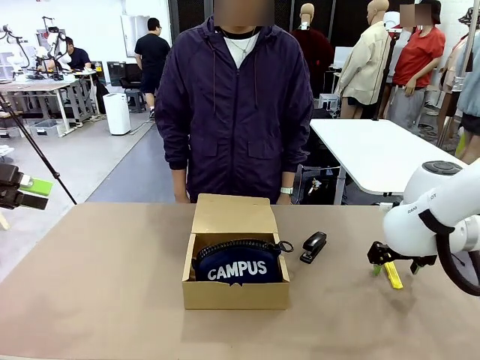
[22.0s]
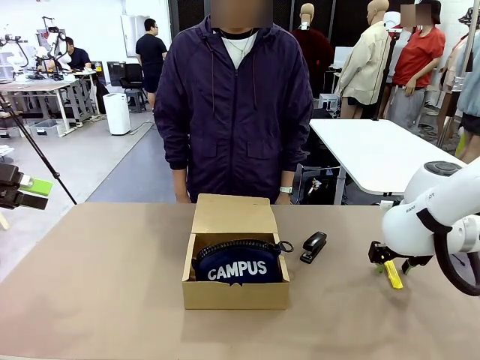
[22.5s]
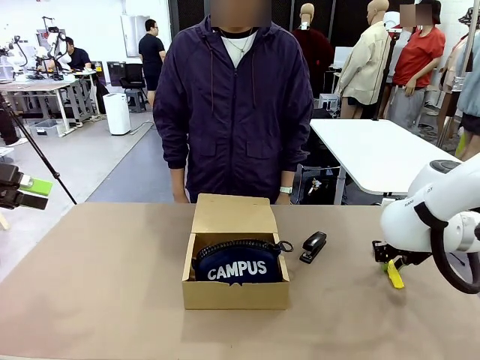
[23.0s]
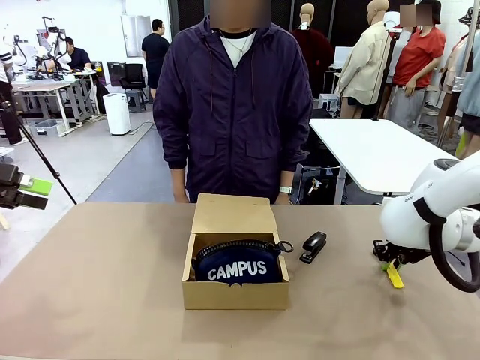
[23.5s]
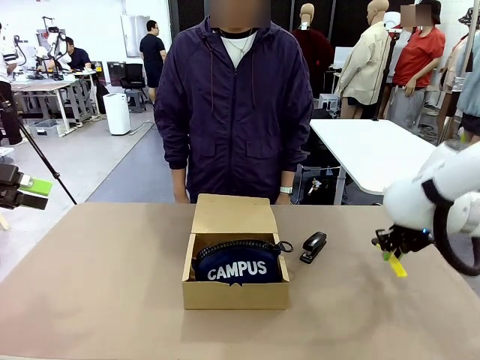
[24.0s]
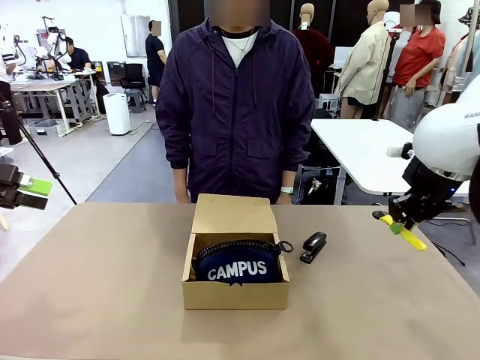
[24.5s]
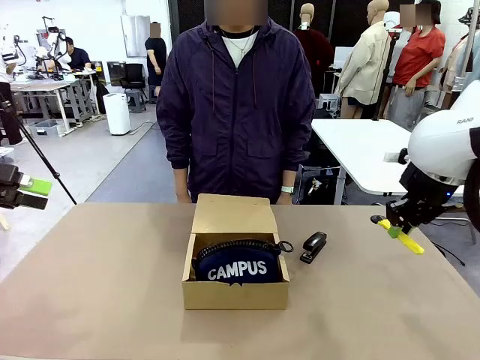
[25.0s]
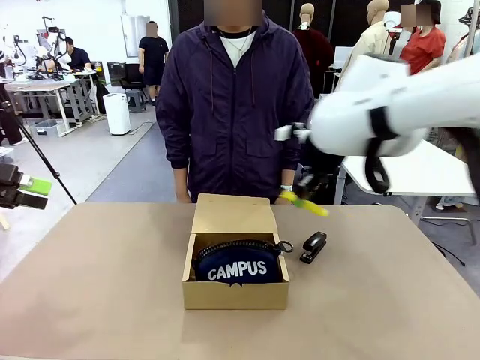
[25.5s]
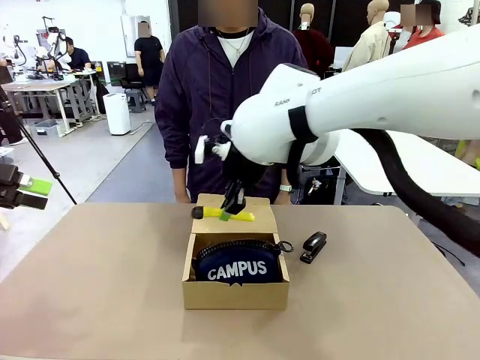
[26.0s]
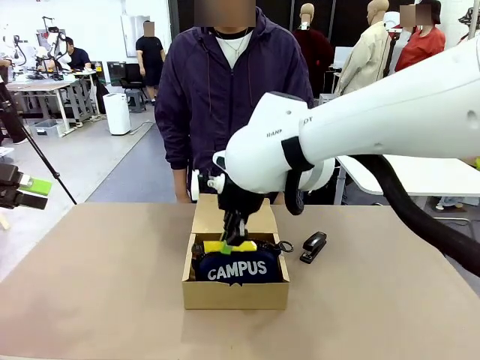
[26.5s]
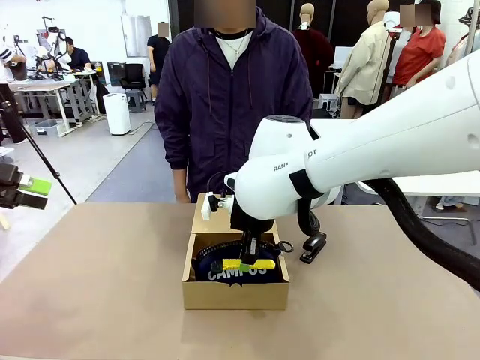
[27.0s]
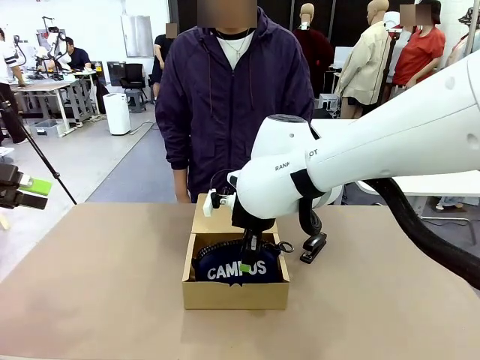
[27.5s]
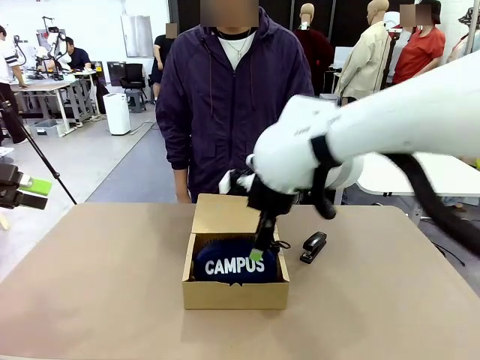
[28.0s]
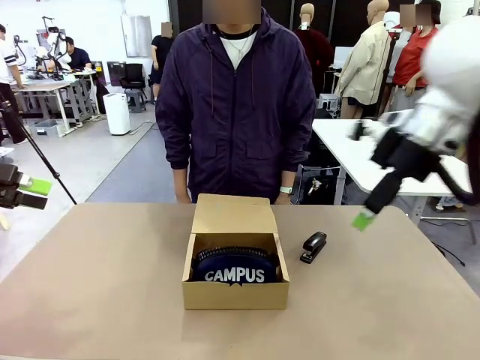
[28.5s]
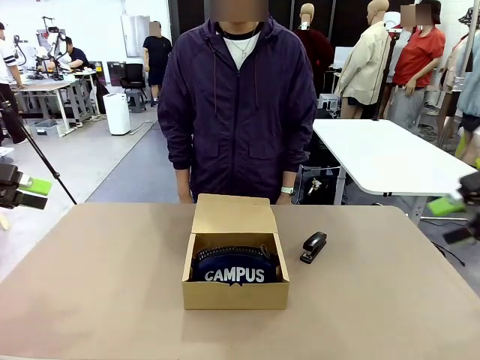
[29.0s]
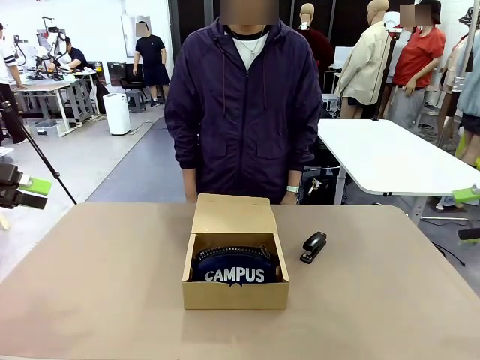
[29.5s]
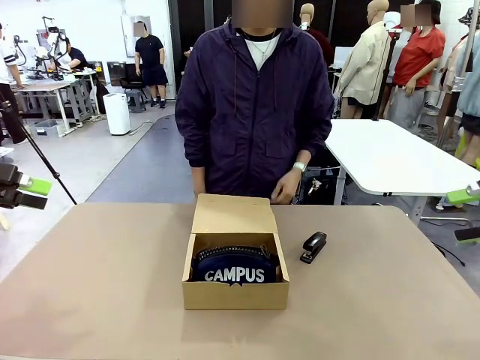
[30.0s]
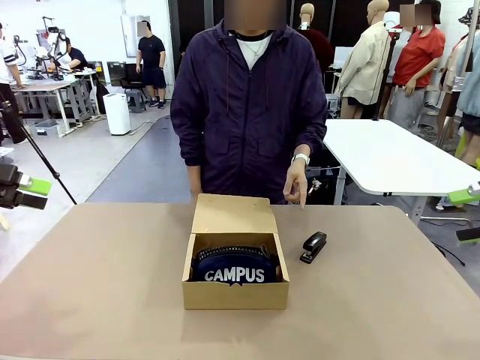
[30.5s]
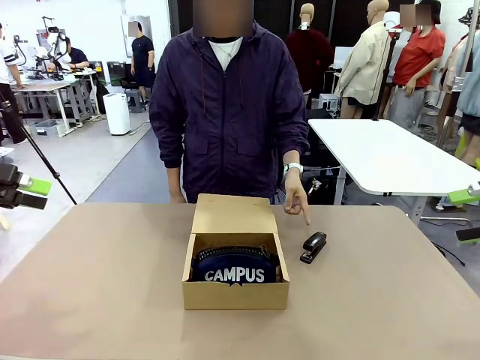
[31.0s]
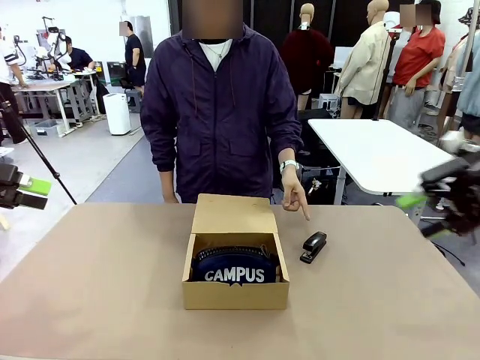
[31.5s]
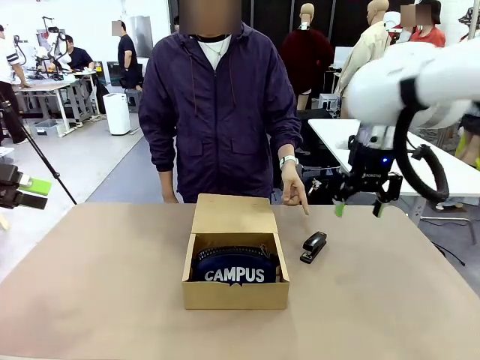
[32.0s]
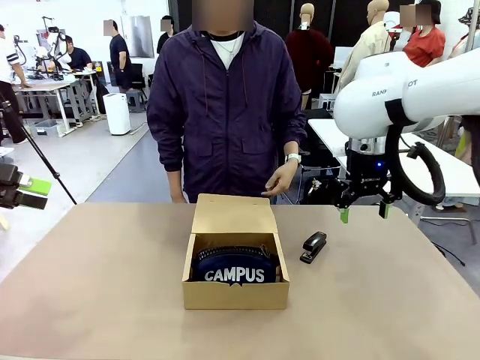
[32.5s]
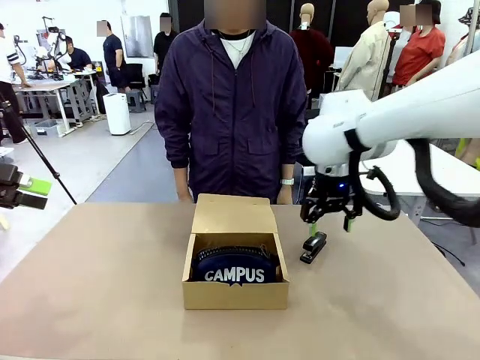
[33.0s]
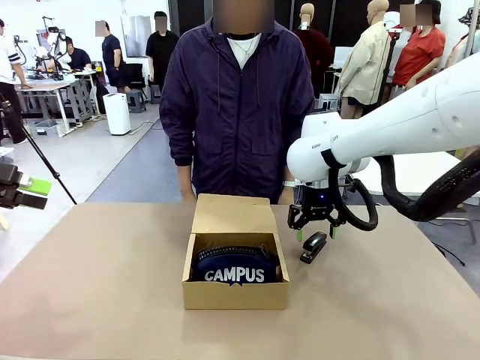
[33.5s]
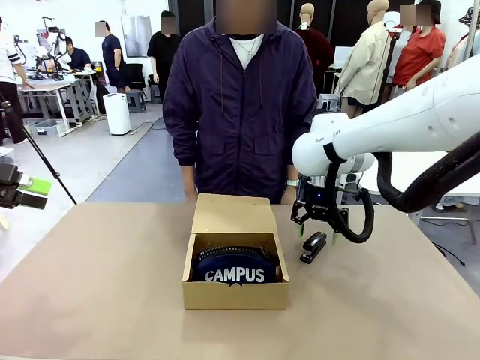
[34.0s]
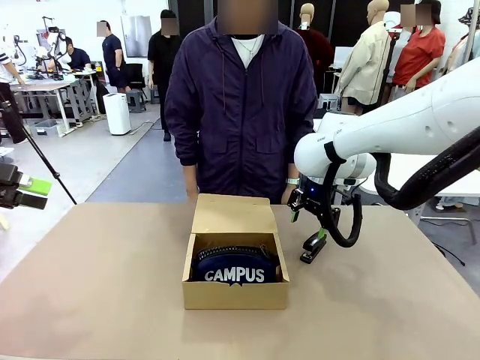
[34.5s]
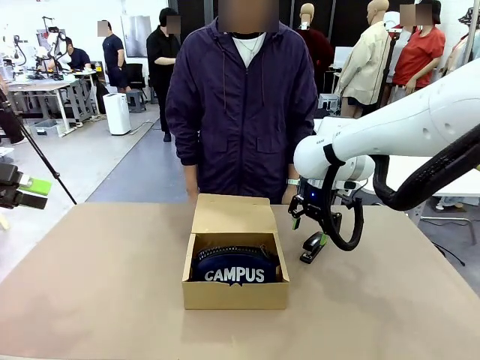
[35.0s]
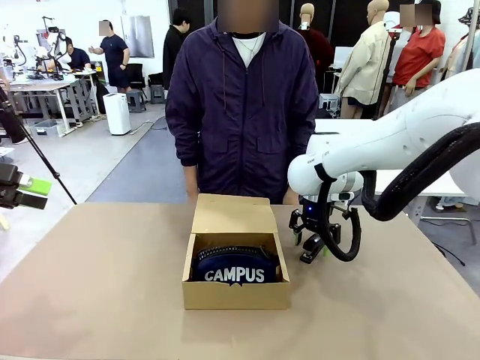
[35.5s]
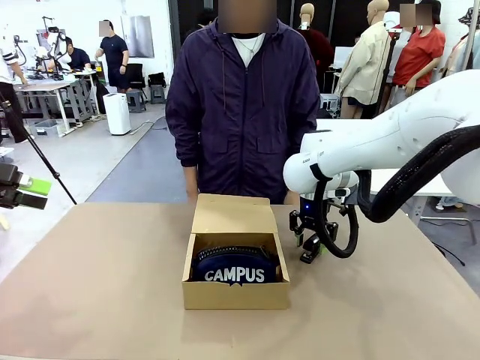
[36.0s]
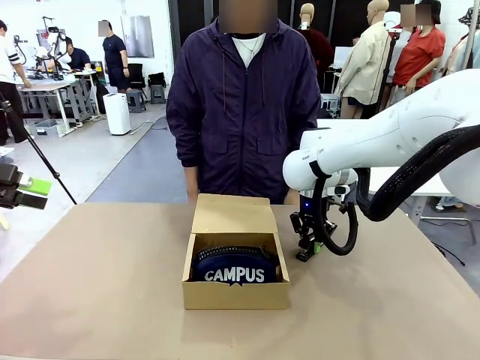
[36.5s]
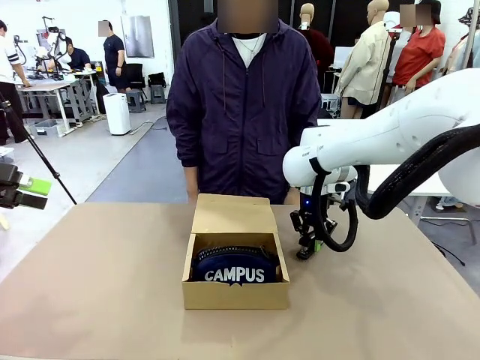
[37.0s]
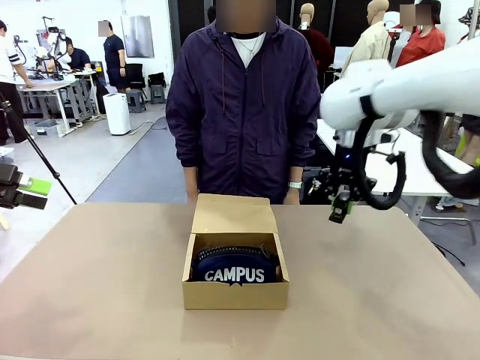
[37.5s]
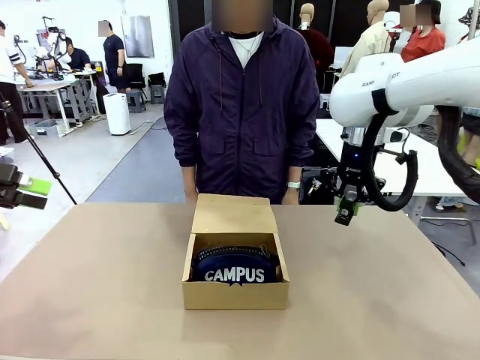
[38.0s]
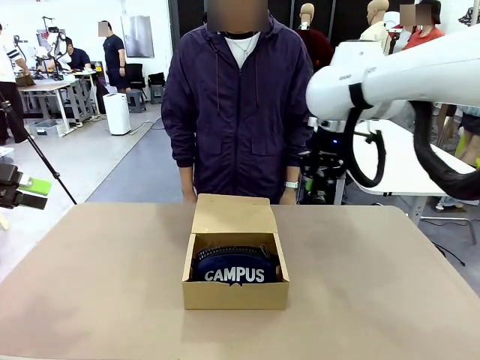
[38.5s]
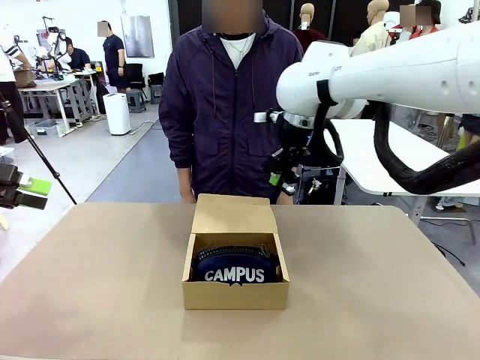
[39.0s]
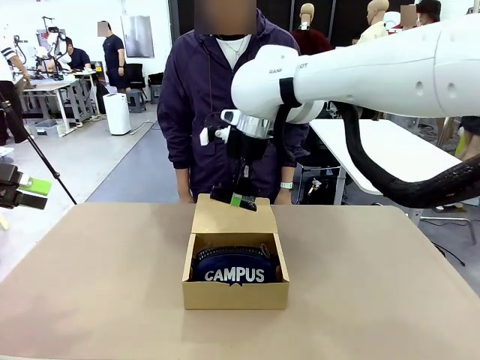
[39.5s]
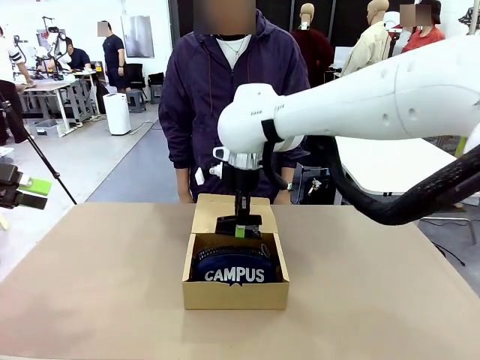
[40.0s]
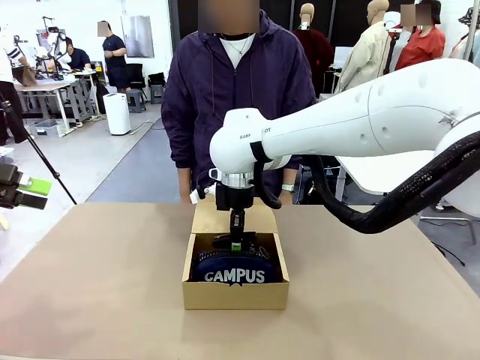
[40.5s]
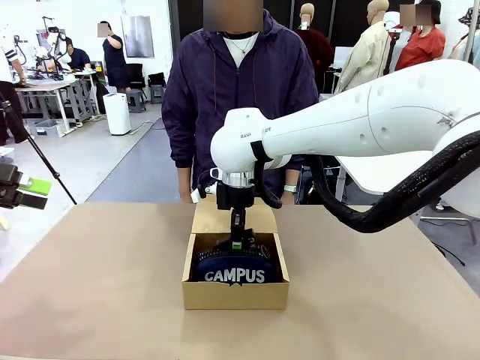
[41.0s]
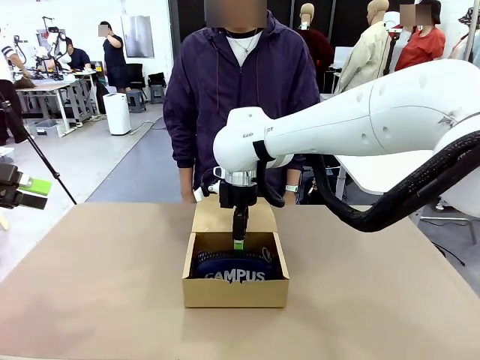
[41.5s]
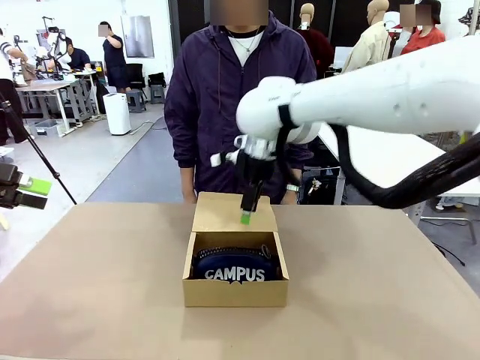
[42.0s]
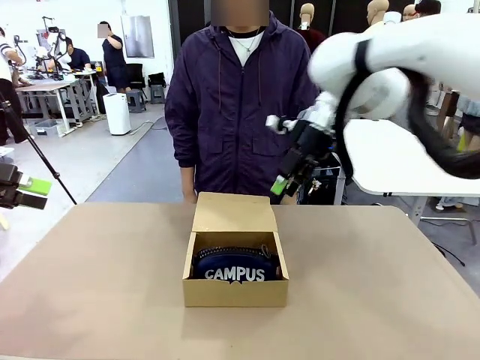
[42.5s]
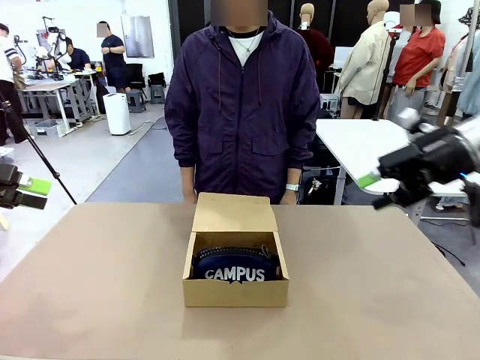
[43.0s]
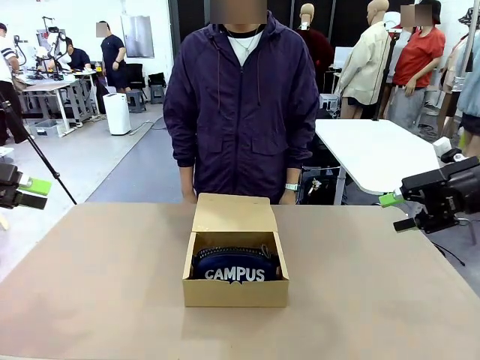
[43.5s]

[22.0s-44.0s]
Task: Pack the items into the box.
Robot: Pick up the item indicated by the person and place it inside the Mailer Box.
Person: Lower both hands vertically with palms facing downward, as if pressing something closed.
